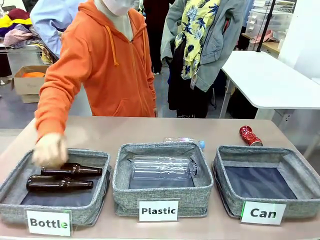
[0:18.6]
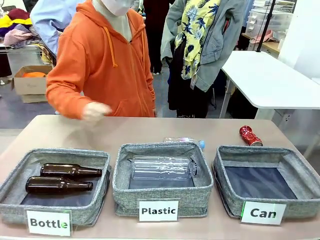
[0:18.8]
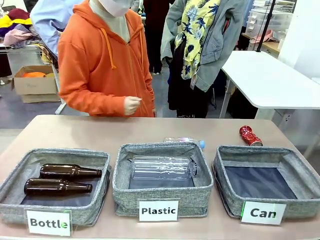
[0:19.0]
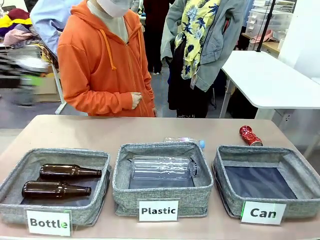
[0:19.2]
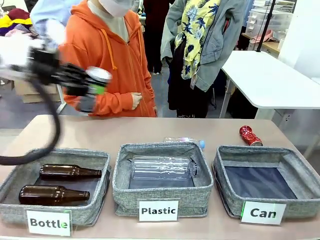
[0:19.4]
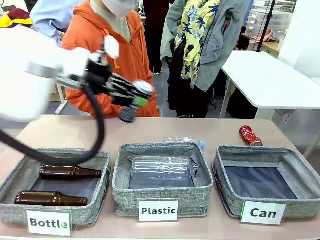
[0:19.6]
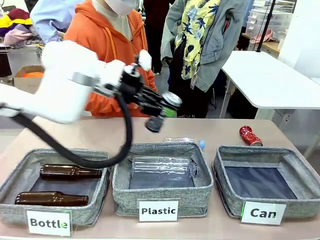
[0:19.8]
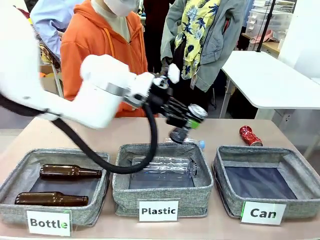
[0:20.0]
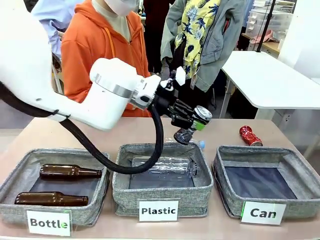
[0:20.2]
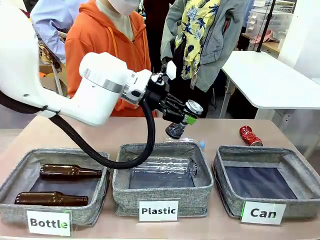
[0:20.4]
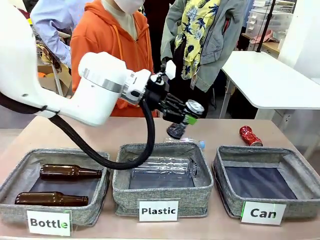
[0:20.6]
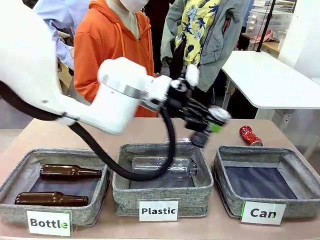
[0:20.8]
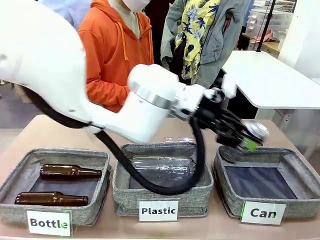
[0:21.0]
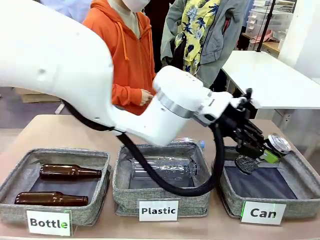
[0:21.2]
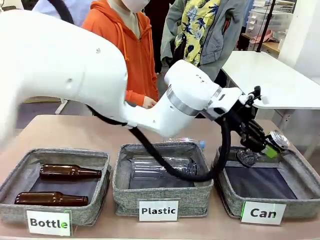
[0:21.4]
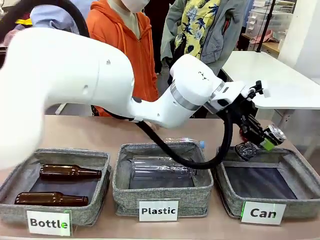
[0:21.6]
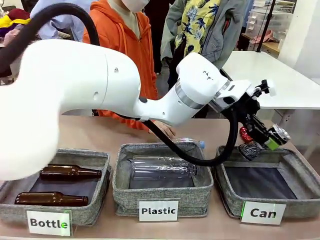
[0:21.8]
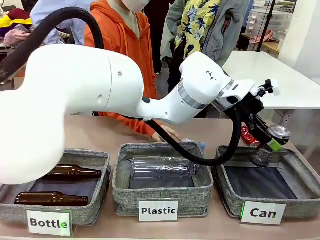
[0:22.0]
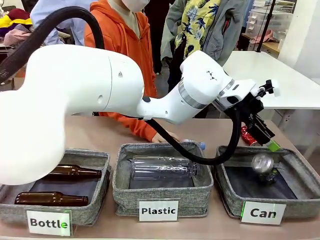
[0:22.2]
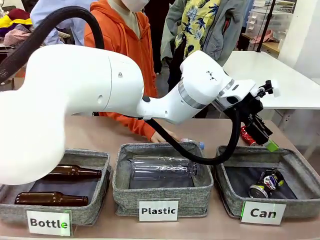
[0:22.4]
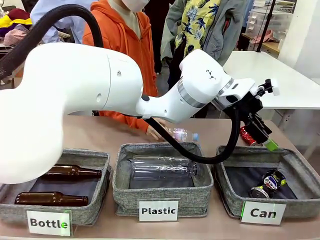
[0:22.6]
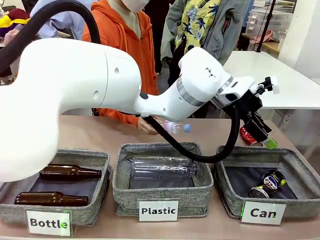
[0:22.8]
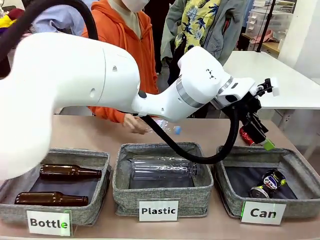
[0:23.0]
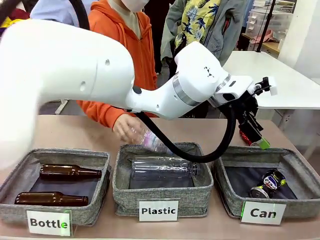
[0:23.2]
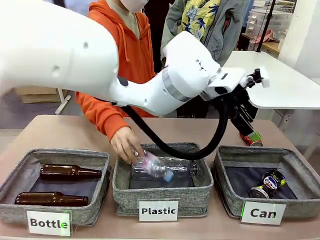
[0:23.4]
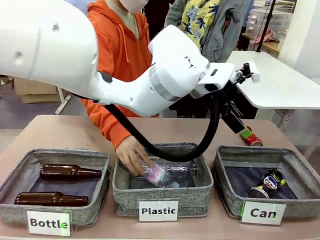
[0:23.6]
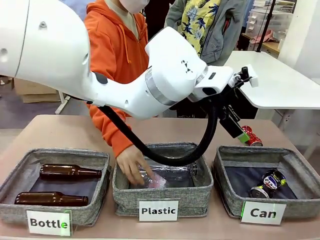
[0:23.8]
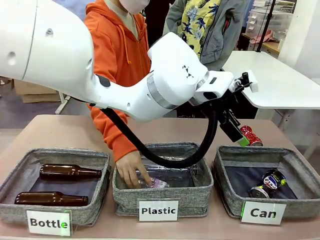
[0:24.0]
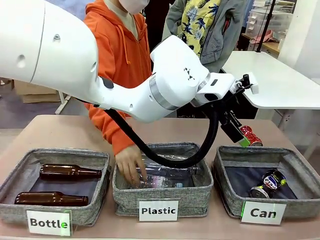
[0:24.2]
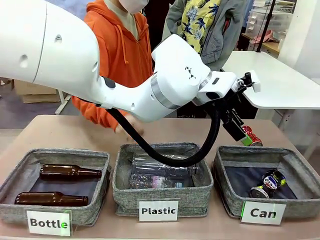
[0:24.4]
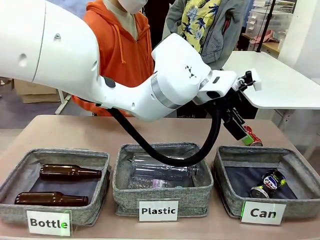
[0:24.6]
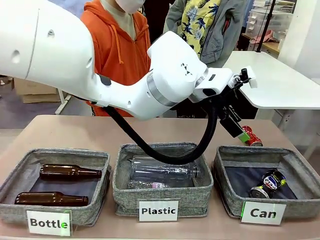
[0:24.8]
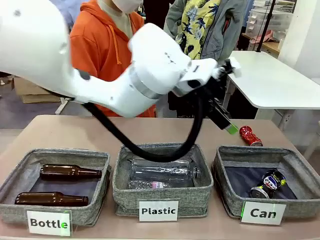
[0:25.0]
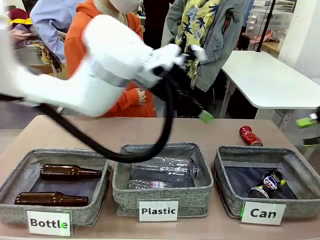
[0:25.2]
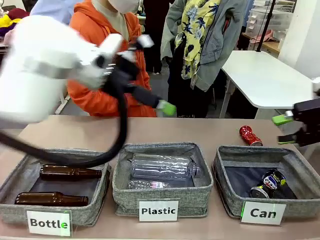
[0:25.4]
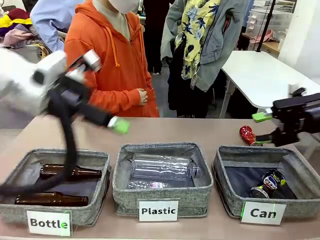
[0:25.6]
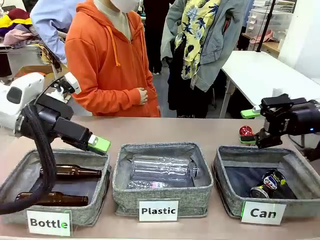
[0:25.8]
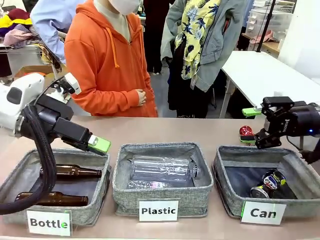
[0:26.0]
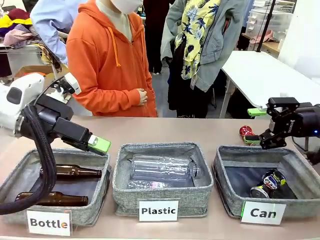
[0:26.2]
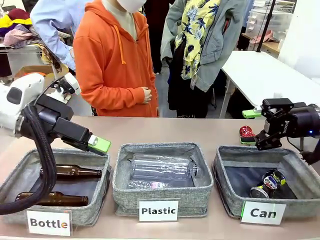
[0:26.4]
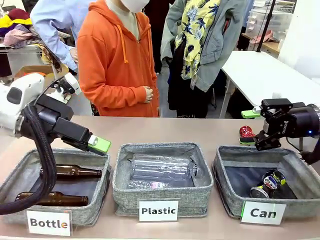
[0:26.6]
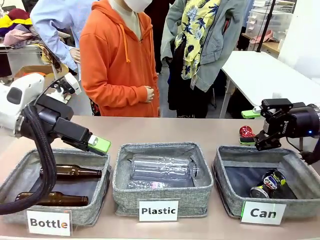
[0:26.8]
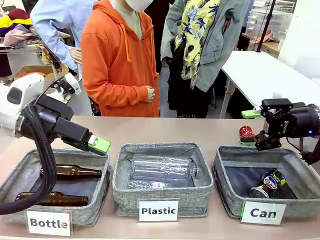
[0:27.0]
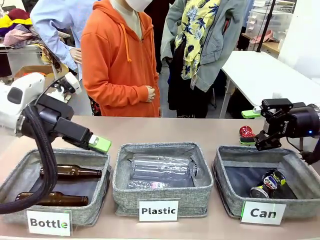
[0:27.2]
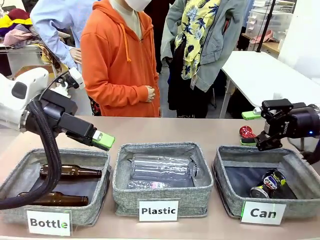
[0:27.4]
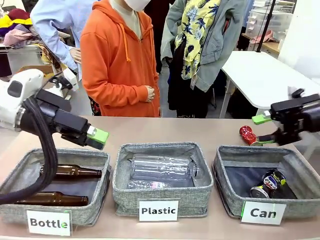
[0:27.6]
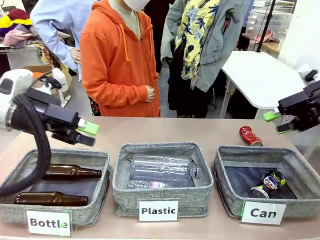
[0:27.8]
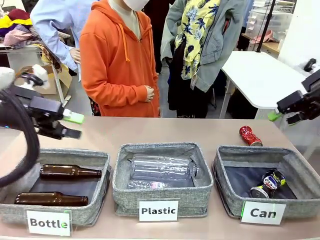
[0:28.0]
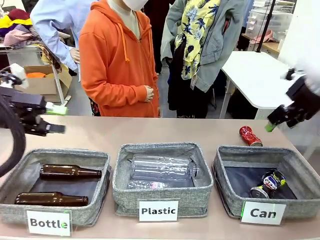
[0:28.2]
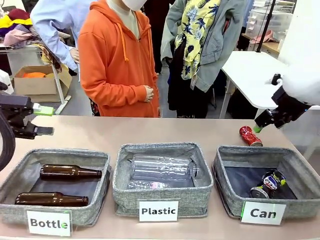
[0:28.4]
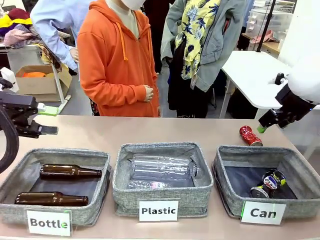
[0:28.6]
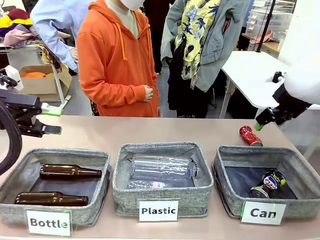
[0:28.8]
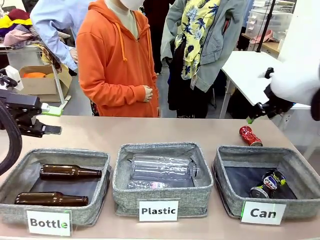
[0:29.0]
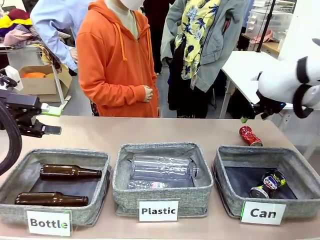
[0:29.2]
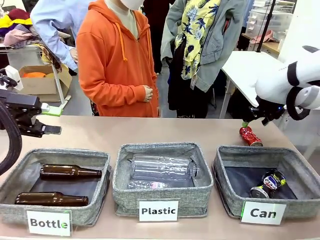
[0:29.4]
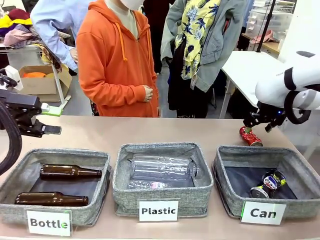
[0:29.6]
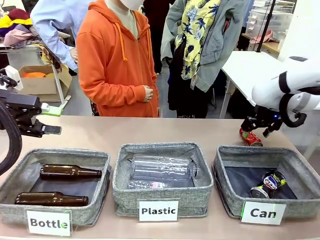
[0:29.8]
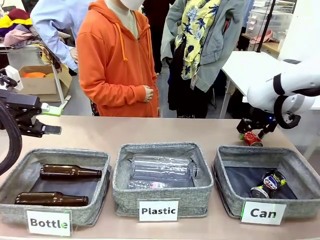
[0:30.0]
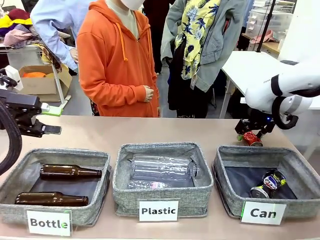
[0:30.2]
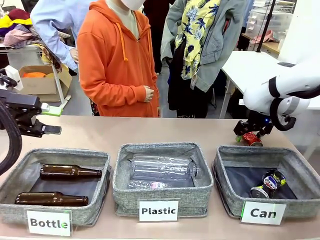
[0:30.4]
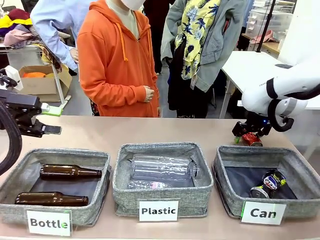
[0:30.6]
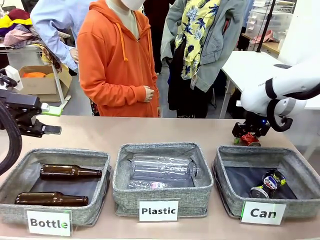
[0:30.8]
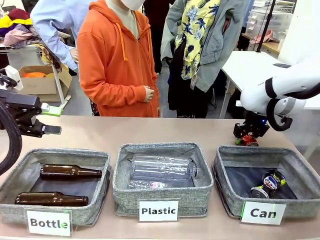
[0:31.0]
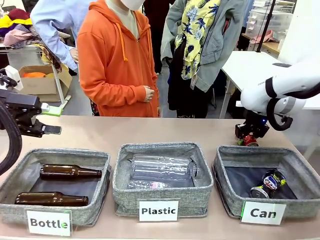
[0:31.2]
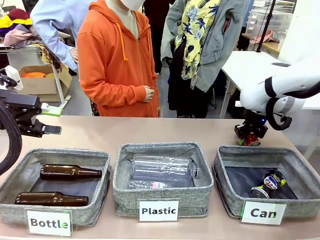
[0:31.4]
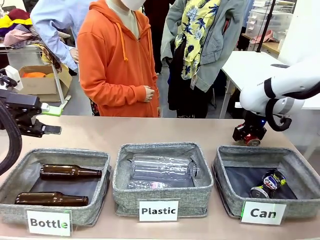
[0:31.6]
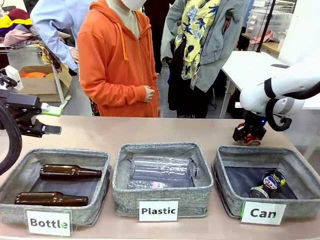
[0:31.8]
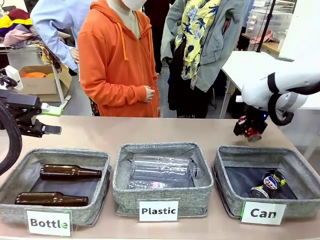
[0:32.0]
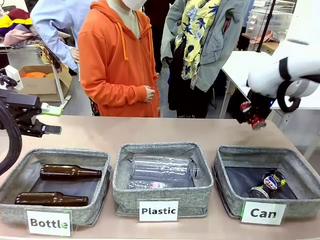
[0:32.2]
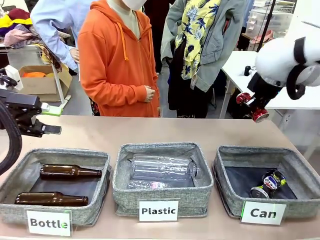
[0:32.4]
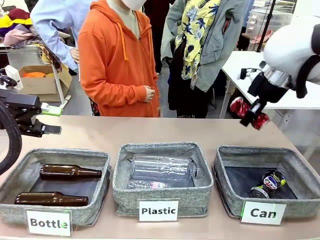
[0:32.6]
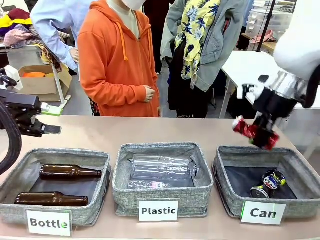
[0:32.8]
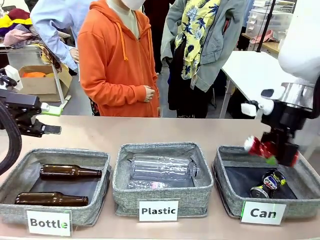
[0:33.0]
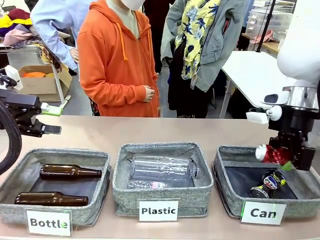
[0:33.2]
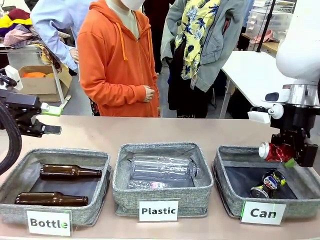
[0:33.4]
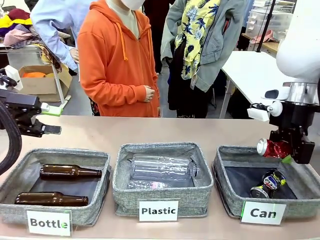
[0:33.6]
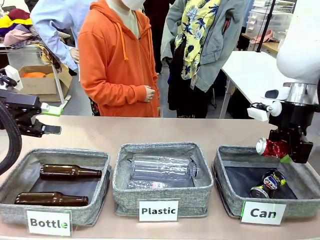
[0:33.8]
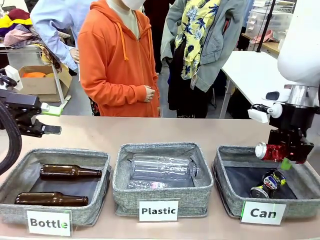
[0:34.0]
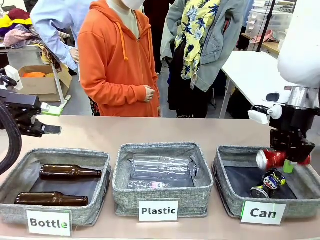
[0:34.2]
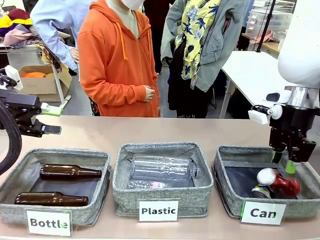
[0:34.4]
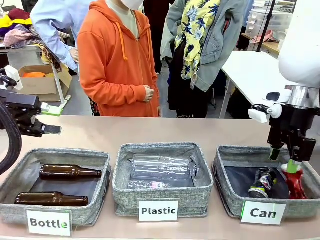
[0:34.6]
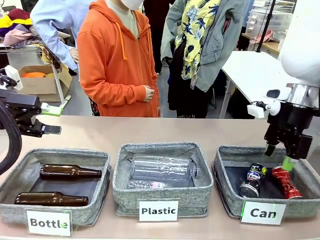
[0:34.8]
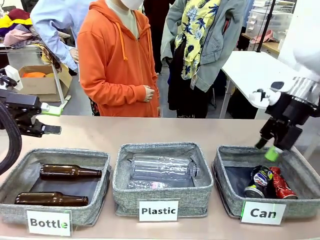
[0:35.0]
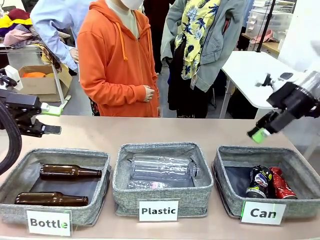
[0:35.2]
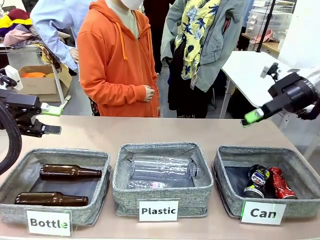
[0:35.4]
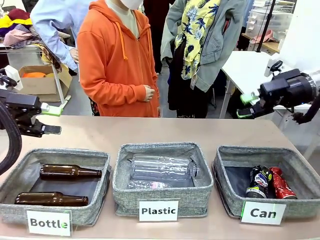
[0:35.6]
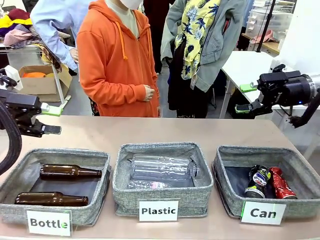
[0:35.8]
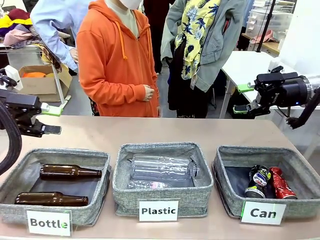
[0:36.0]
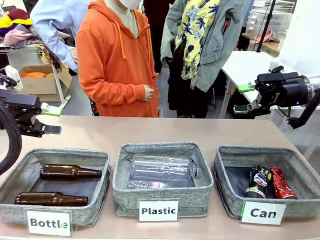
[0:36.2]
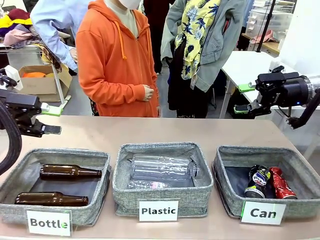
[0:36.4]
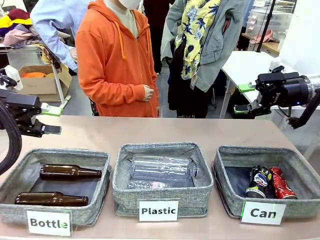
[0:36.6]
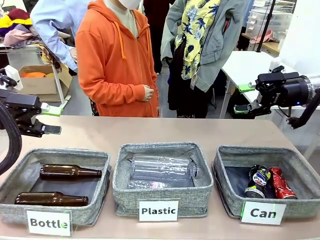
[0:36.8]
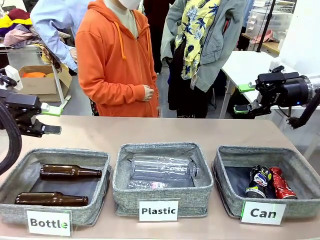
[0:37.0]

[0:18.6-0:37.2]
Task: Sort the can waste into the basket.
Robot: Pick up the can waste from the table and place it in the right Fabric basket.
